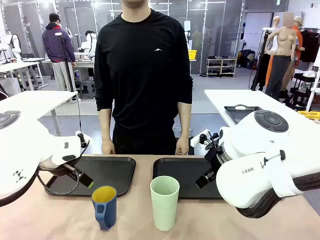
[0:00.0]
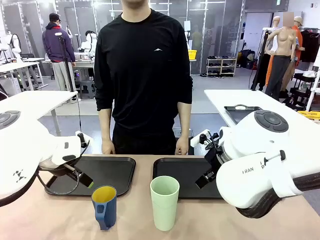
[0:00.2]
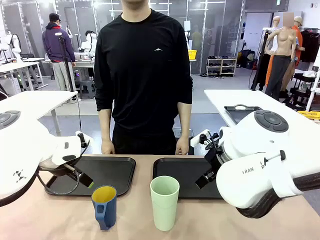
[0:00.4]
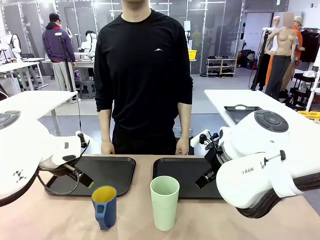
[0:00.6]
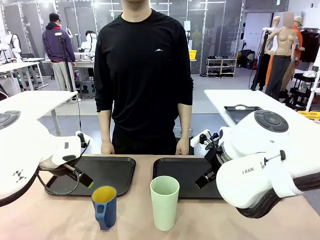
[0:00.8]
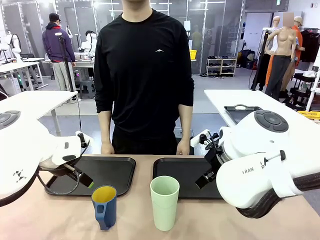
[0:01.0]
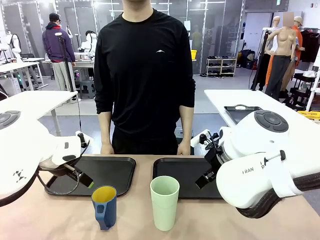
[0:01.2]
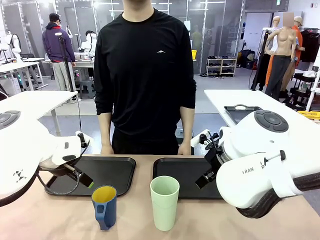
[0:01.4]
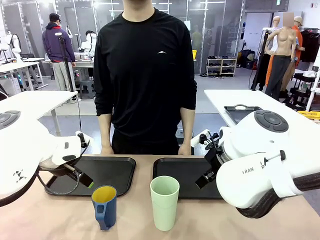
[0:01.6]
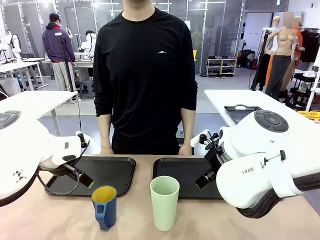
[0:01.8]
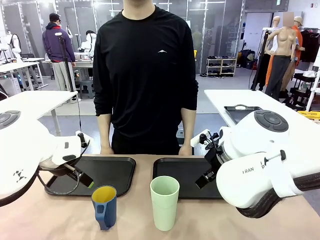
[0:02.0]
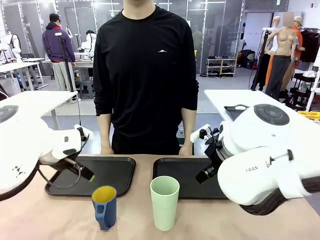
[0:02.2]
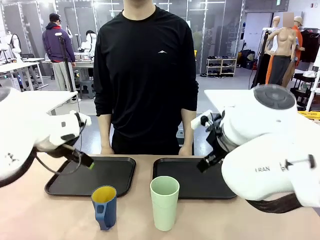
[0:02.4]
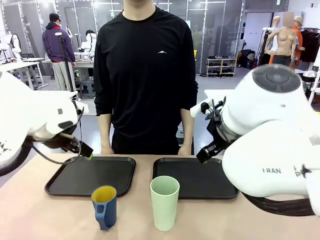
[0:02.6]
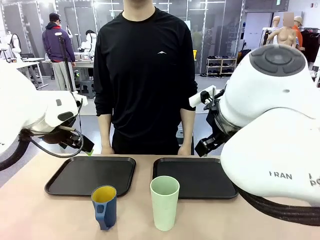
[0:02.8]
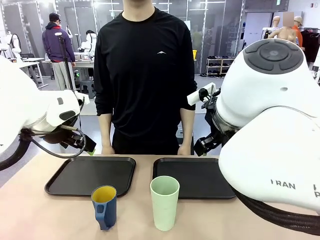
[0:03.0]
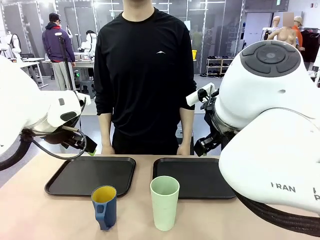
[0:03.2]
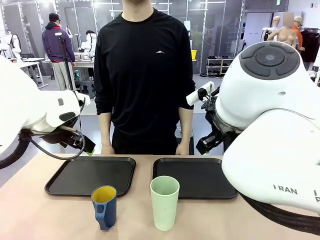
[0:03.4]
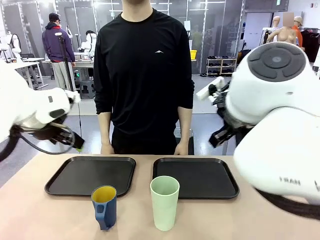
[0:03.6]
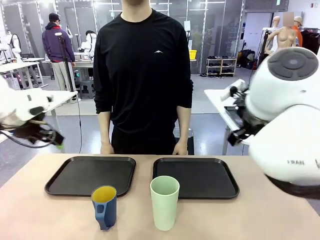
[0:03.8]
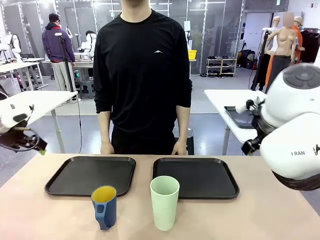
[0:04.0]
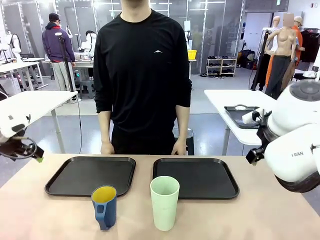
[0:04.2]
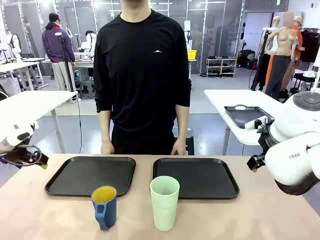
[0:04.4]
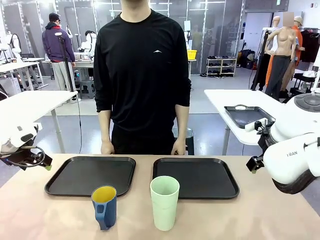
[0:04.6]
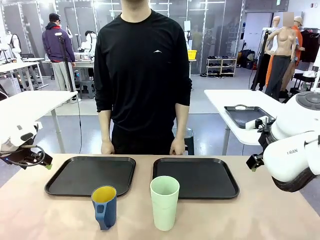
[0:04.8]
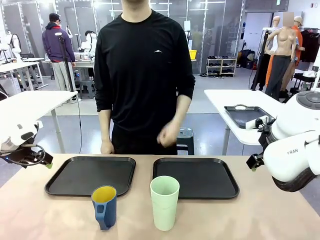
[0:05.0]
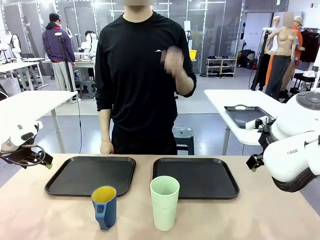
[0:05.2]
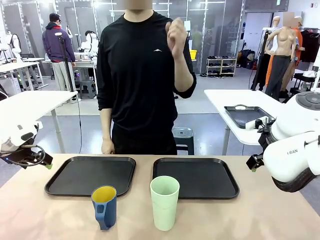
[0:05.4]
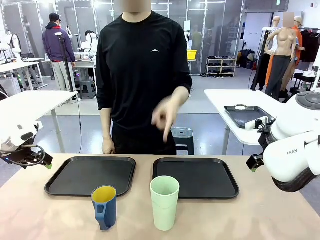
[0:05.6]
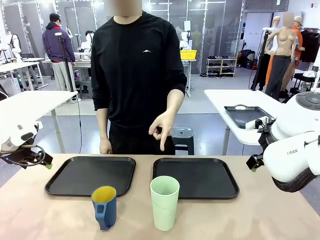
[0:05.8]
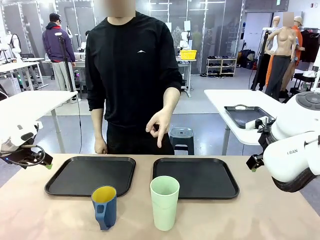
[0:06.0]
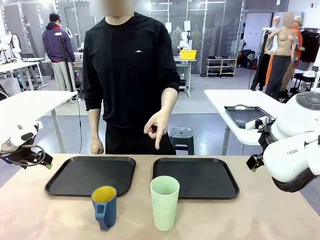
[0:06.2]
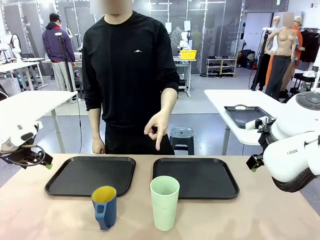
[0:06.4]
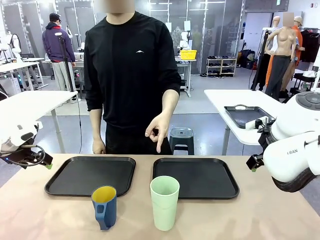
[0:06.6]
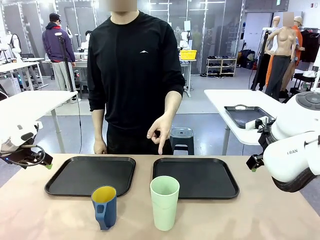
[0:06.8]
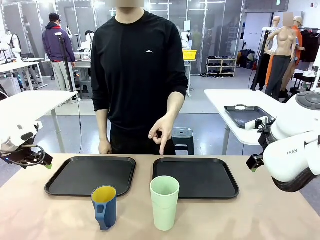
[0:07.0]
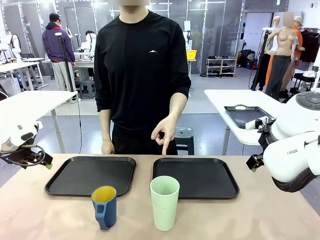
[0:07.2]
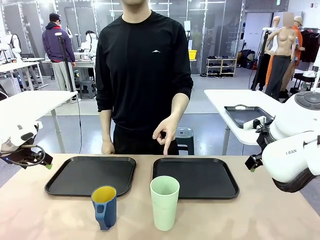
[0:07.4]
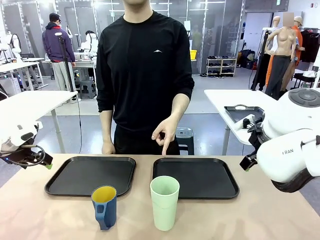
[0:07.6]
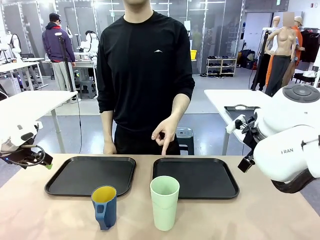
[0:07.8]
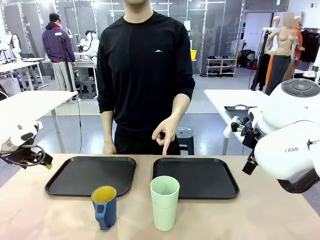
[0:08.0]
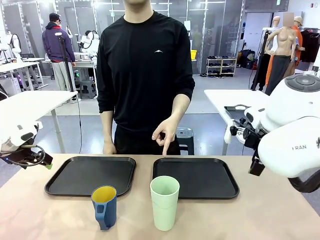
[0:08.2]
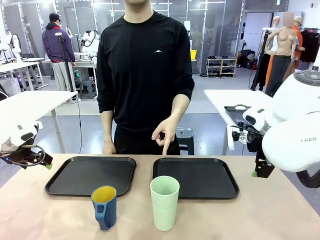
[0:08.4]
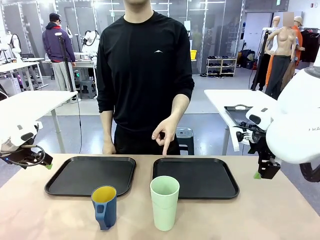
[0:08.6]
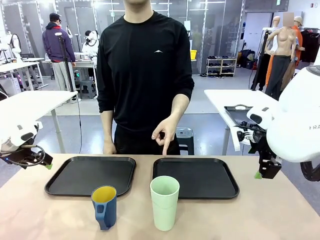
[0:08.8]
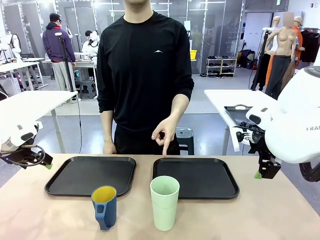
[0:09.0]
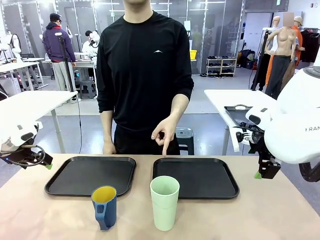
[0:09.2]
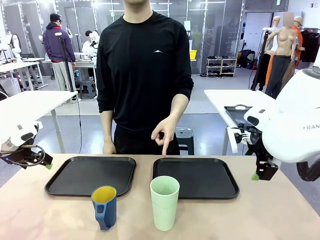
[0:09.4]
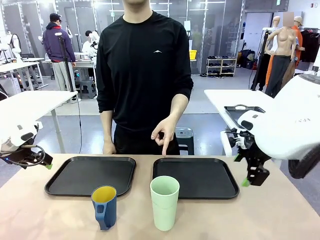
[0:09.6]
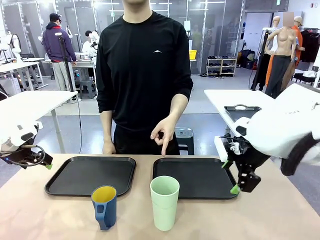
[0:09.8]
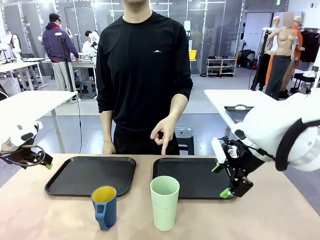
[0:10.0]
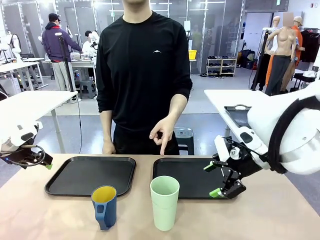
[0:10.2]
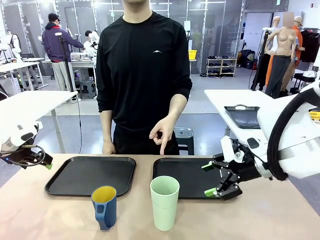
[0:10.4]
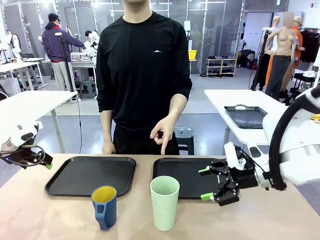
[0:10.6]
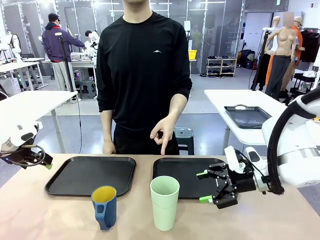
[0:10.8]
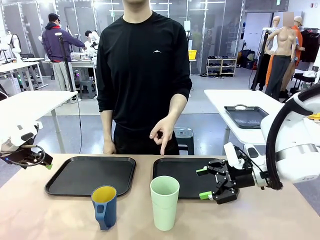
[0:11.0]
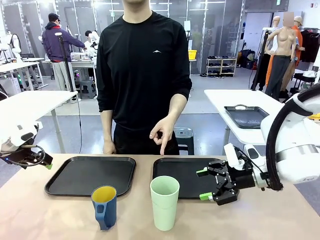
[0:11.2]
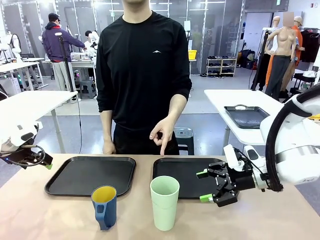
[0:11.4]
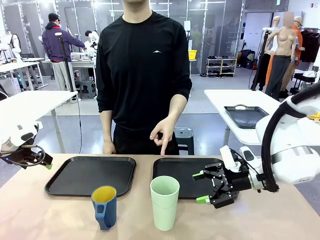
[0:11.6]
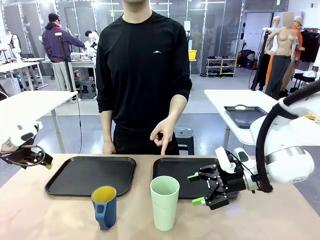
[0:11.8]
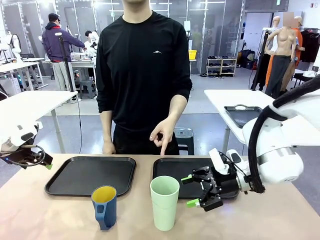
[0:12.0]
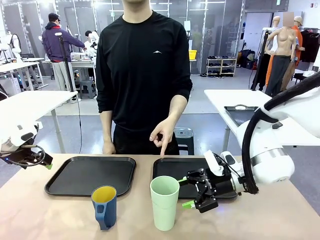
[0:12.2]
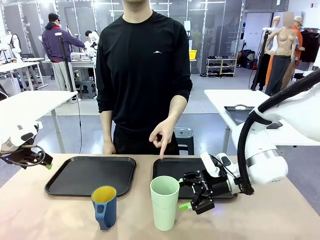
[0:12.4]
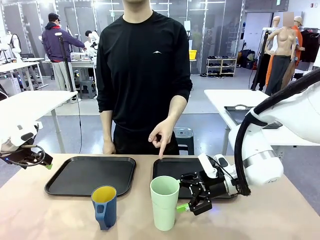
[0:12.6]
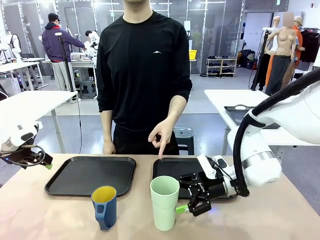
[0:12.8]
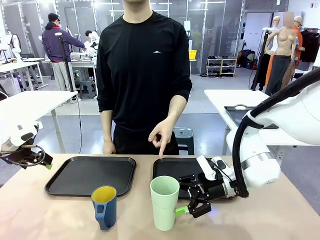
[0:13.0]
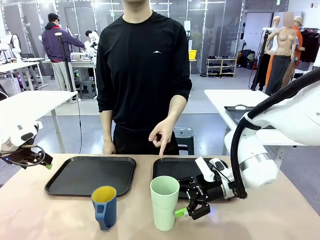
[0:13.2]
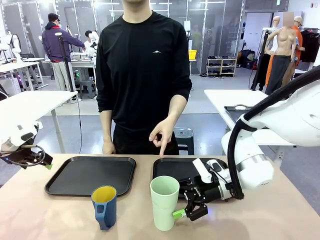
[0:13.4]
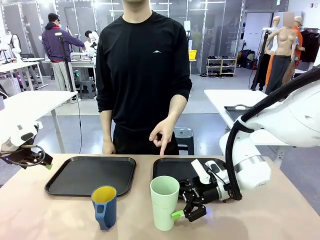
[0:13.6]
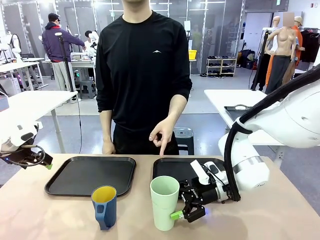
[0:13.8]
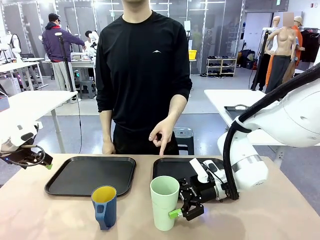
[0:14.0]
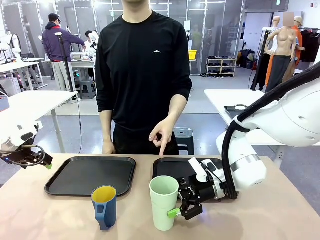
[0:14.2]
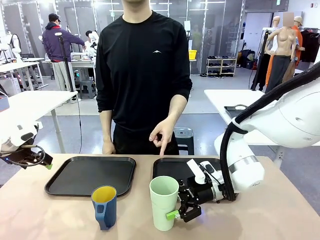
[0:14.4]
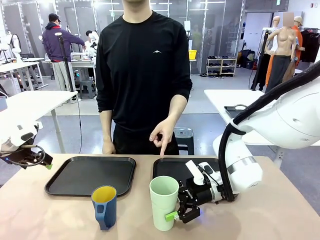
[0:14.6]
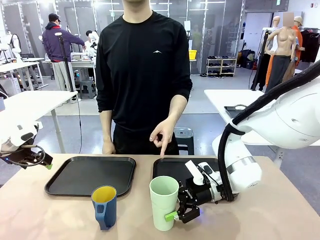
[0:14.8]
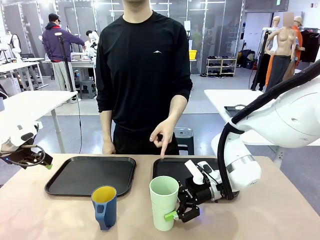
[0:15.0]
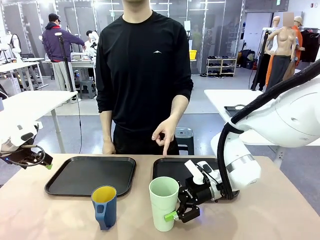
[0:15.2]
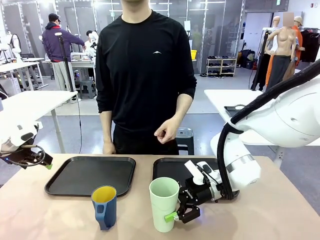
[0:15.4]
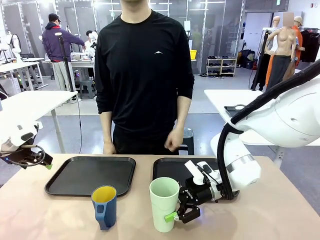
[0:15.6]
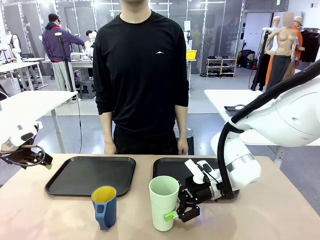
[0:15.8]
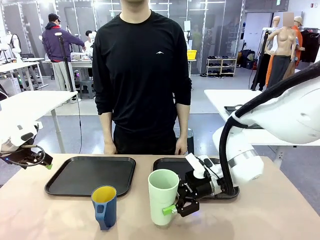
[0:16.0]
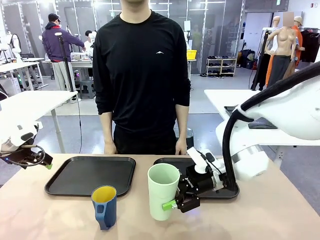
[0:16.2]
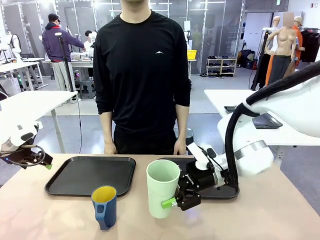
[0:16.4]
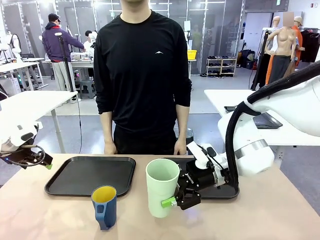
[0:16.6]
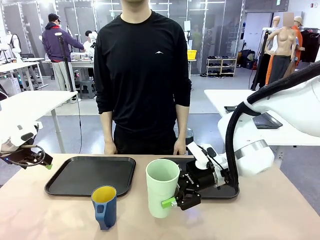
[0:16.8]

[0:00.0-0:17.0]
Task: Sort and store the cups by type.
Robot: Pick up the Reusable plastic cup.
Person: Points to the reusable cup. Point to one of the two trays.

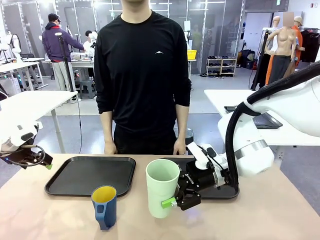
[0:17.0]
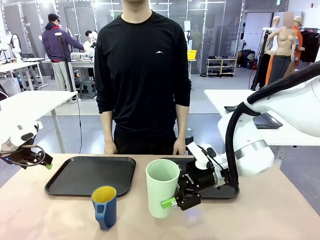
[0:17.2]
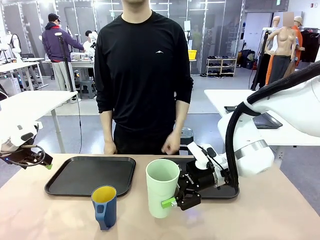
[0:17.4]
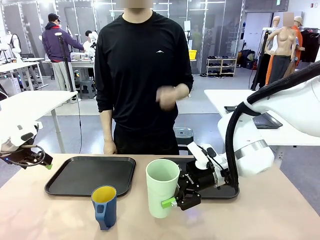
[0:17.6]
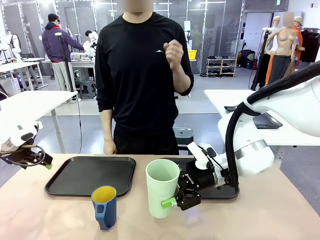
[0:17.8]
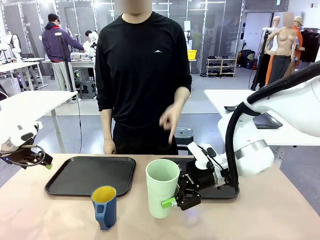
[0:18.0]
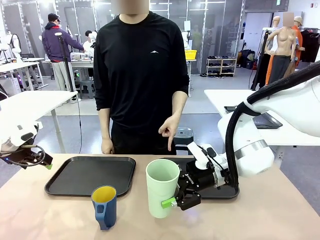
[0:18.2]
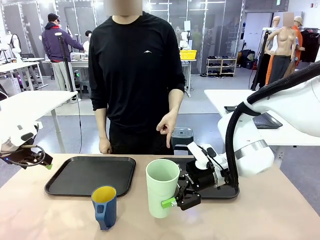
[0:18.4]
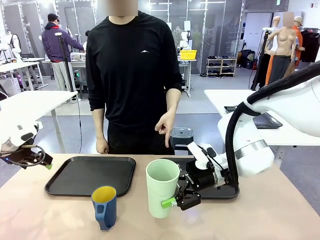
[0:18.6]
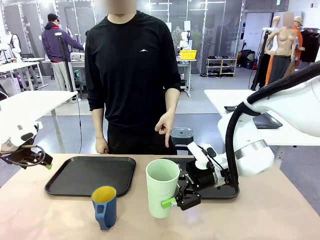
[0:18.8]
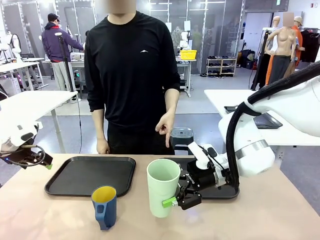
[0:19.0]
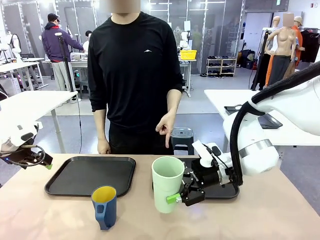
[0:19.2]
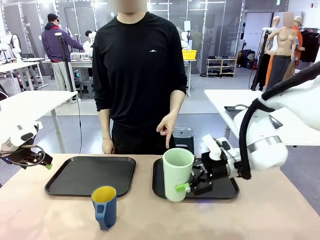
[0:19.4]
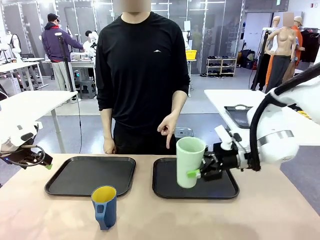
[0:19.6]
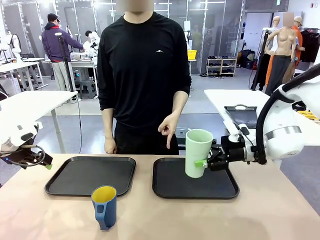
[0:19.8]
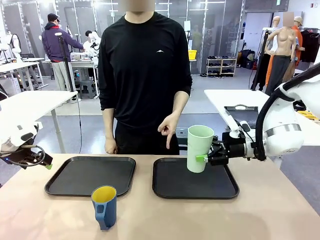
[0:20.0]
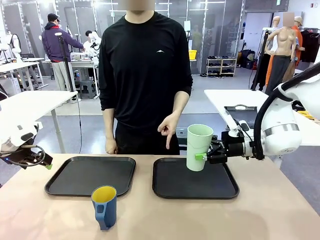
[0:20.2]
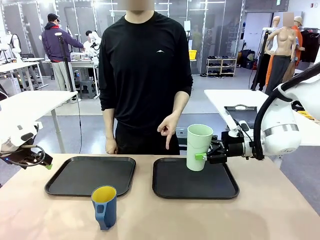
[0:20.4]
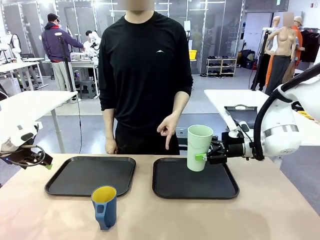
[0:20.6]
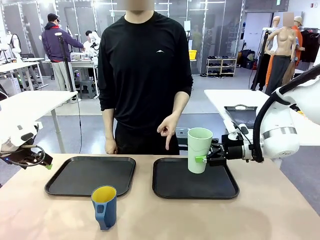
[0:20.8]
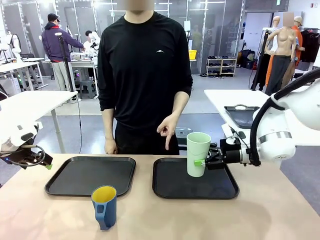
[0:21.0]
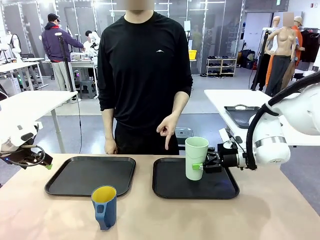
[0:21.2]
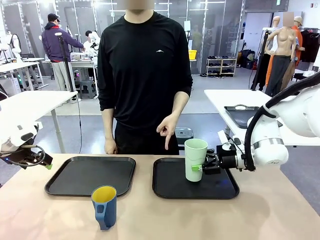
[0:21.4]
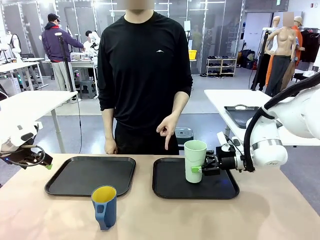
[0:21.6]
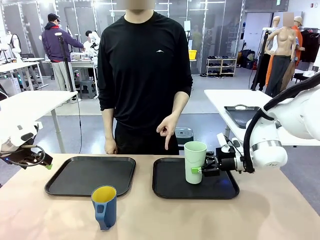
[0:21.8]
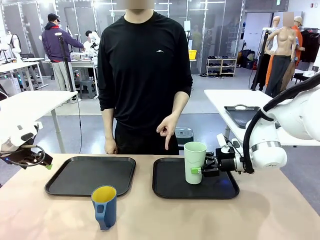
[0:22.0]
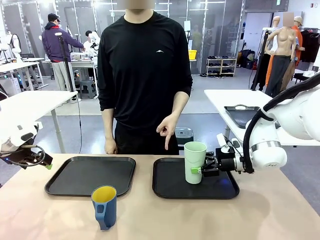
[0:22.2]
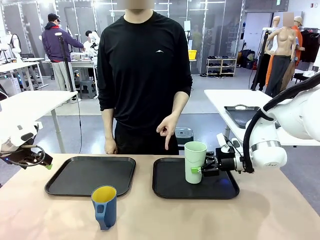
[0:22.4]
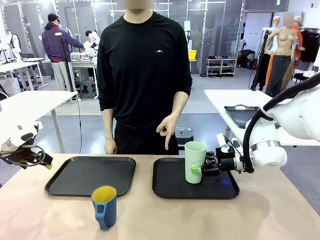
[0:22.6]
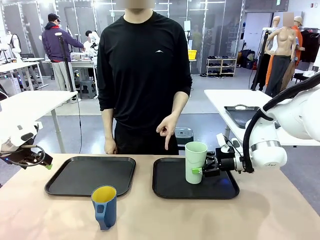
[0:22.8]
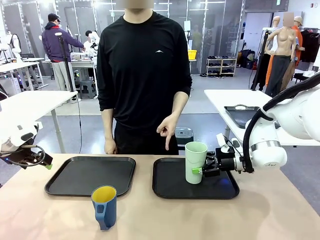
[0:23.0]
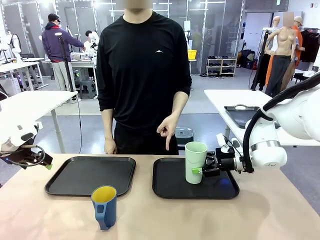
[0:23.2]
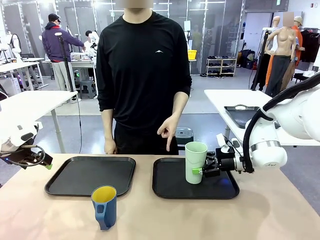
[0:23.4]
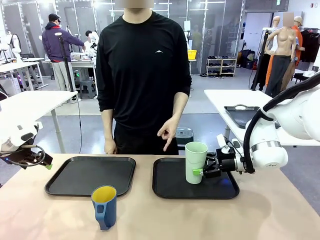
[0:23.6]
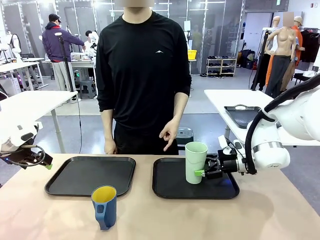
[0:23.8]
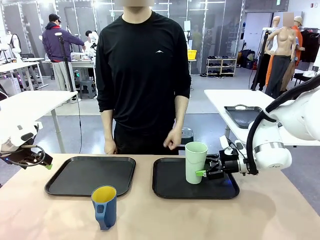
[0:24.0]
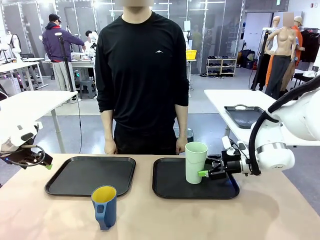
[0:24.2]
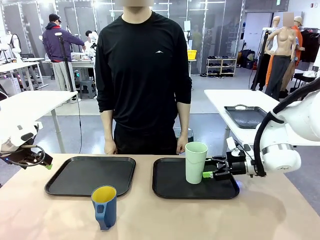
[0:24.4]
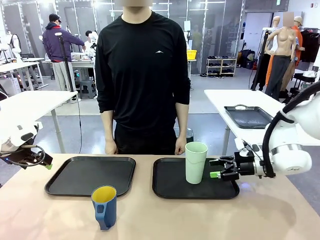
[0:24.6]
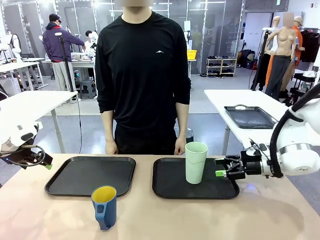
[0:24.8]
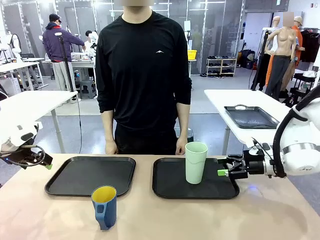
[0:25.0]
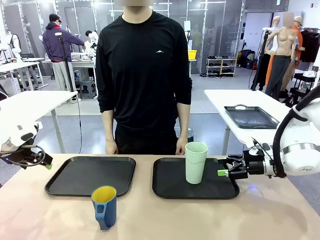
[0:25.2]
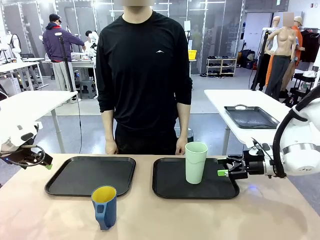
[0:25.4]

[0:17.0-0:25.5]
Robot: Place the picked Reusable plastic cup into the Flat Tray indicated by the person.
